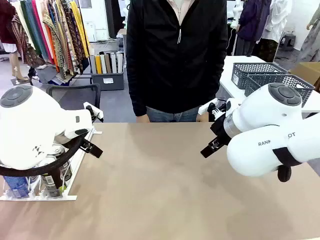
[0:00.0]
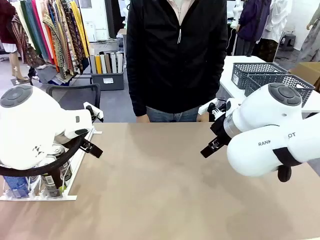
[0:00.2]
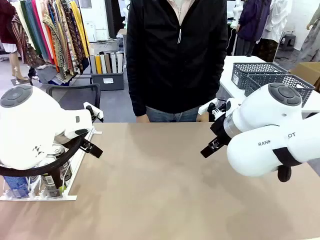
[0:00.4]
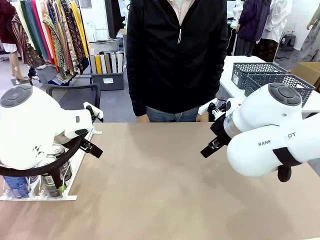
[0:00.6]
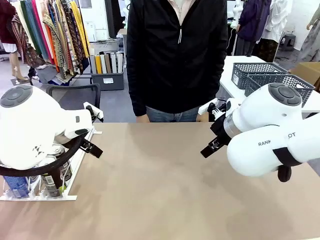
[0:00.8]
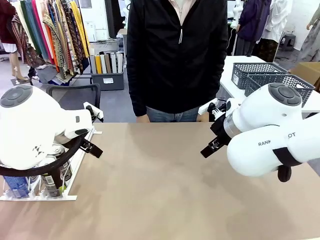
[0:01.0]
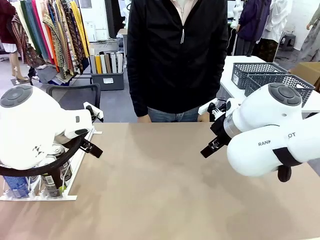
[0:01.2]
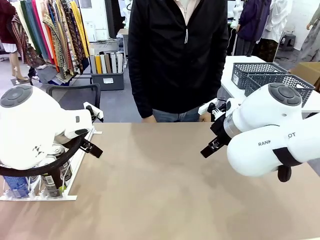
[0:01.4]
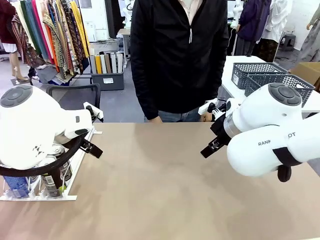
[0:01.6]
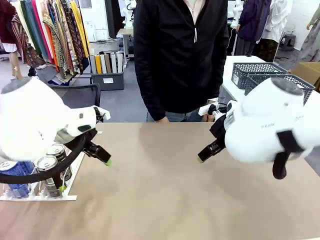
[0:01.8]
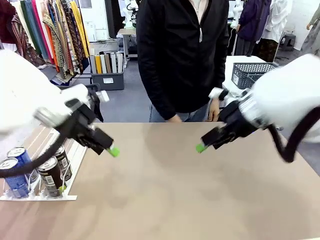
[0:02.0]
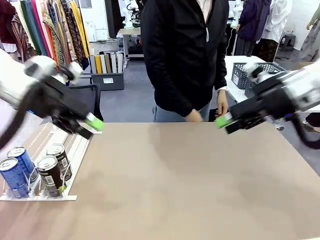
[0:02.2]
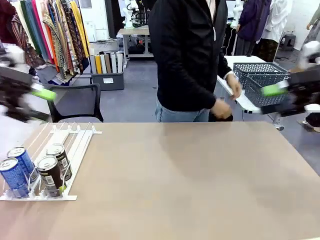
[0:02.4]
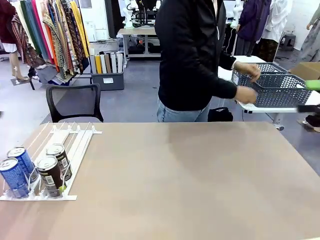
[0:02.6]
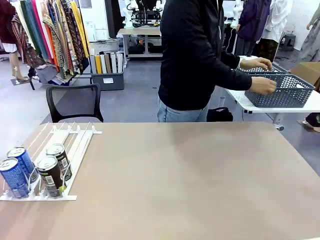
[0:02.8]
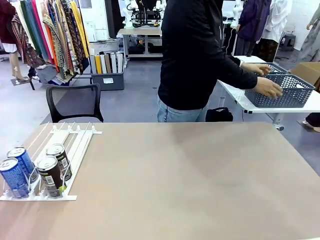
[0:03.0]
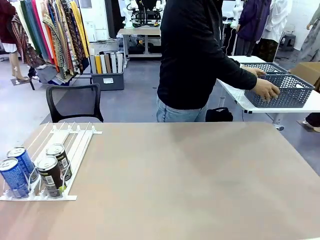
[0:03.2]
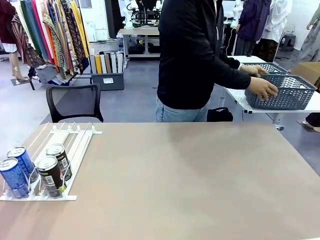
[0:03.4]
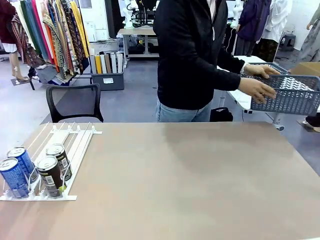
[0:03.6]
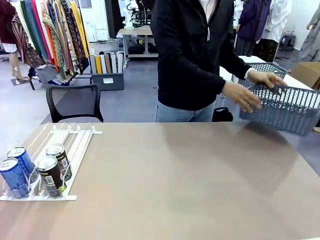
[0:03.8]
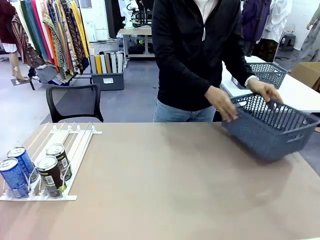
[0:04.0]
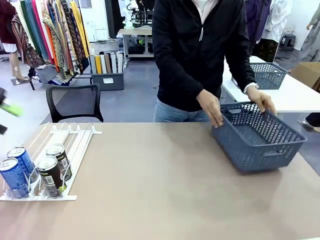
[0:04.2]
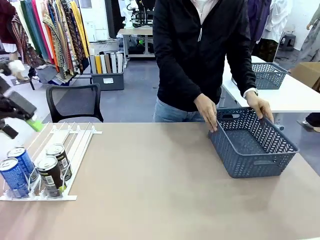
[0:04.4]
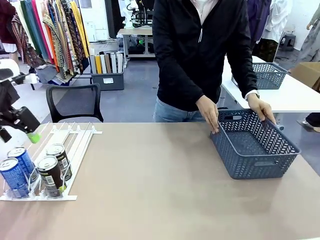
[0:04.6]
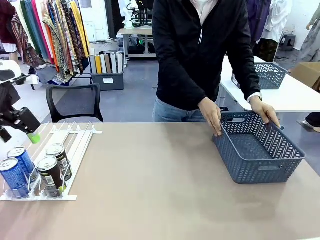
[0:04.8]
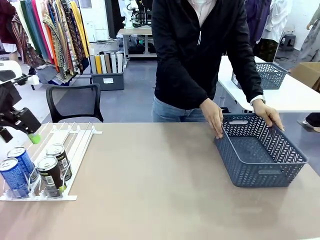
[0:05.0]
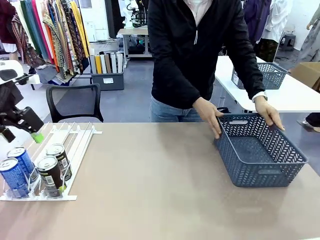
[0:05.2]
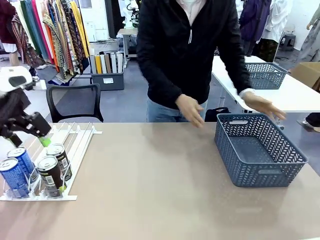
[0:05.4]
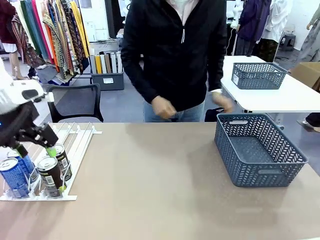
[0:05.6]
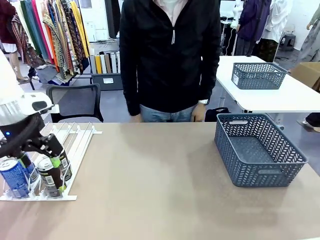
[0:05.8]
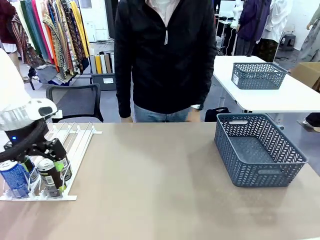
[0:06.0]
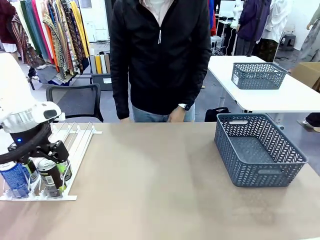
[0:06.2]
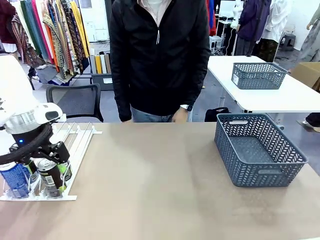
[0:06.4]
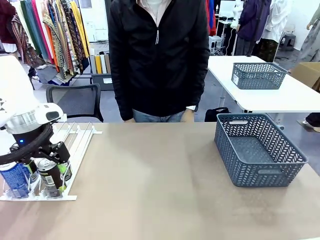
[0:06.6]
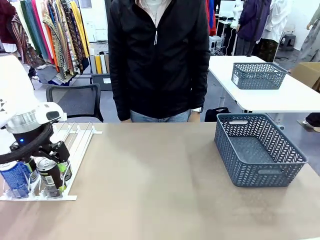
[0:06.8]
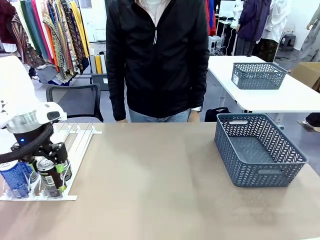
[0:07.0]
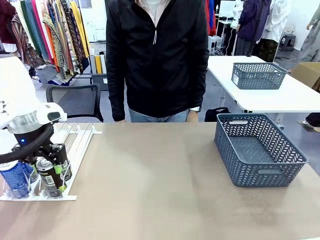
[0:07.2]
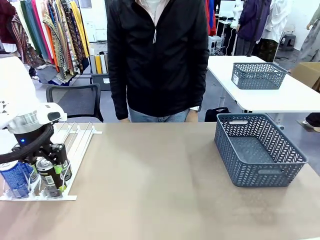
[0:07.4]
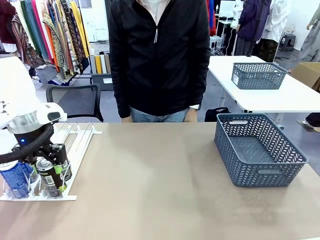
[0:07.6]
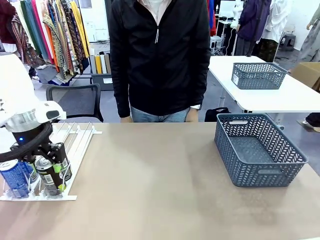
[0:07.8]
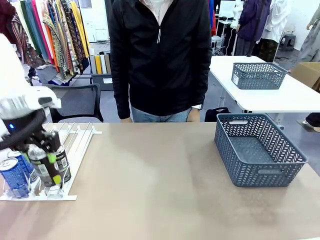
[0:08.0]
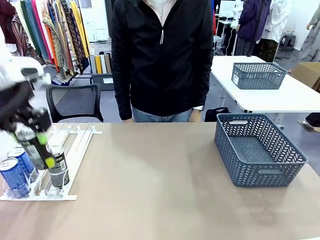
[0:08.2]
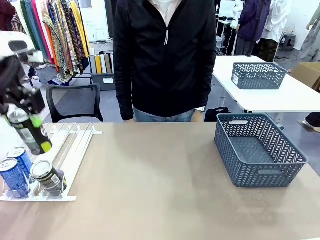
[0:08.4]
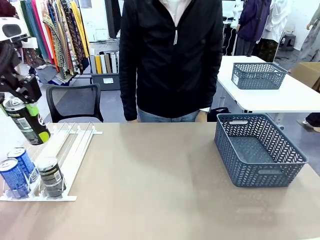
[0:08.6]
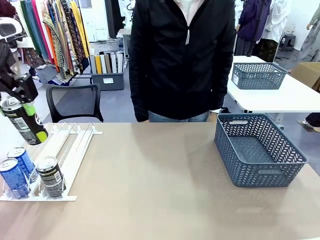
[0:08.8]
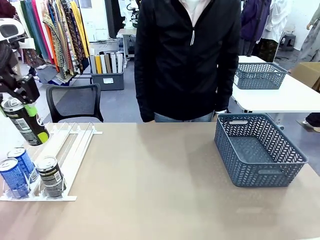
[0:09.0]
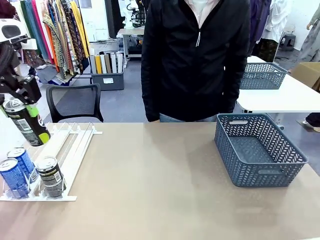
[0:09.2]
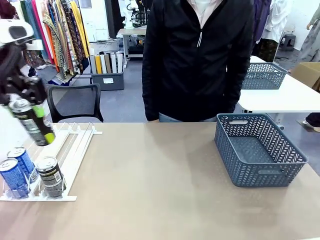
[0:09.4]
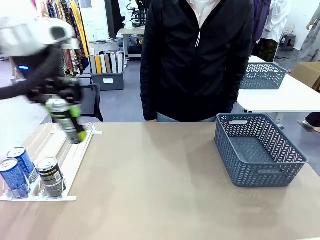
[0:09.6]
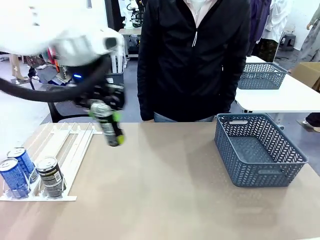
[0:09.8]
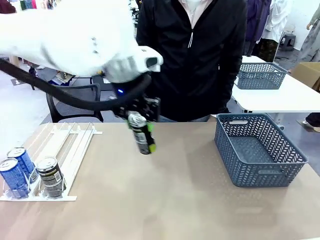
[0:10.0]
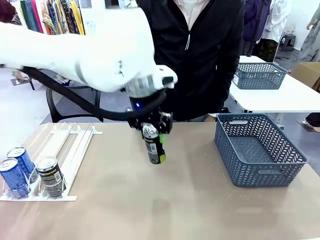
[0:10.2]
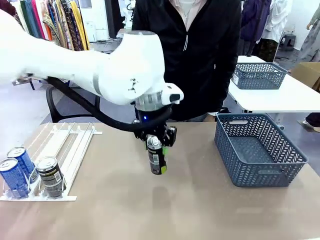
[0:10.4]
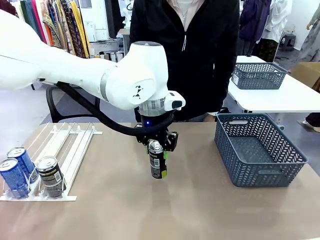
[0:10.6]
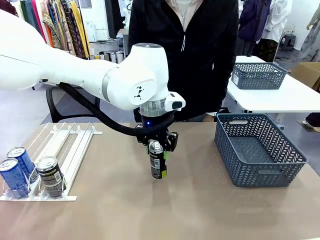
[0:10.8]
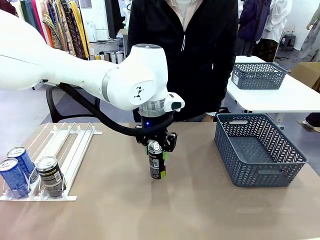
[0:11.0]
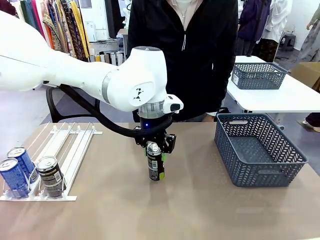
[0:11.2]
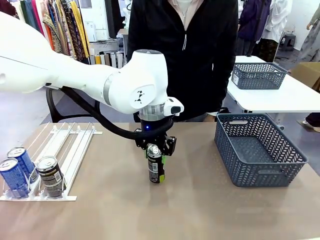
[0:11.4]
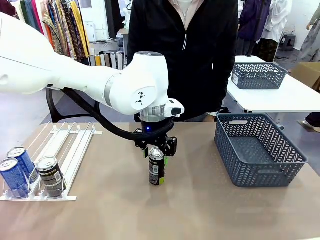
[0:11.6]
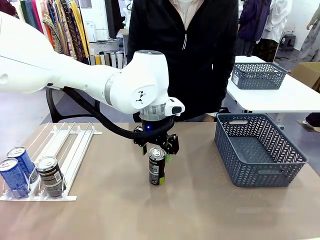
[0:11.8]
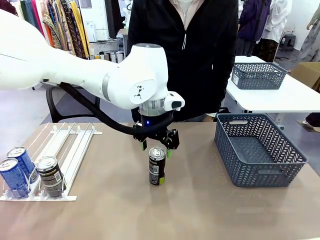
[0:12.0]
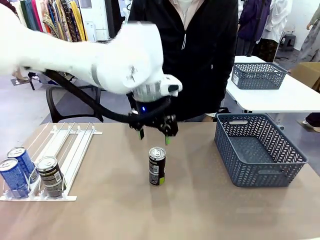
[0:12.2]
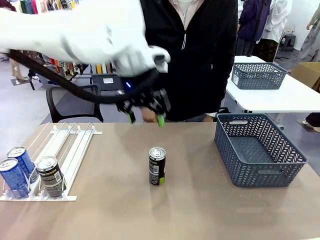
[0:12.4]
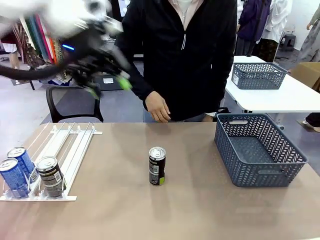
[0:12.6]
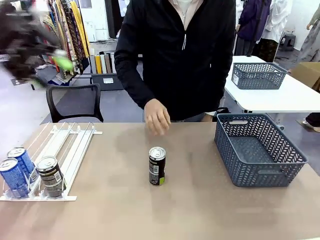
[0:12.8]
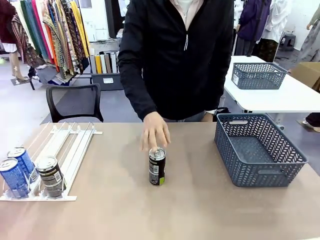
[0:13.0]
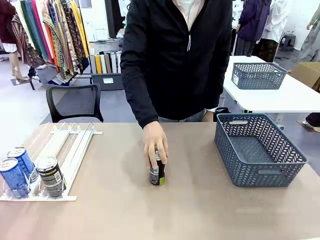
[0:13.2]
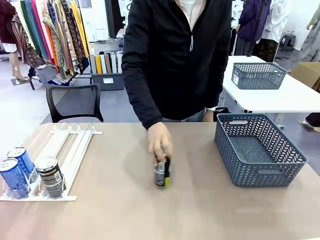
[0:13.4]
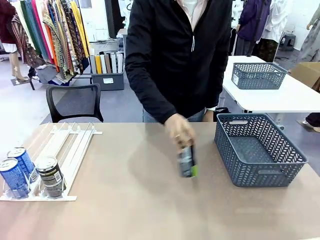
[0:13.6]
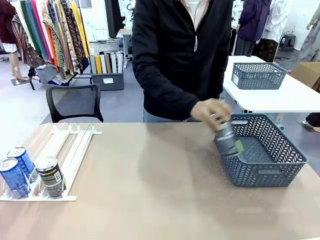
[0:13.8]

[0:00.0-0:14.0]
Task: Retrieve and store the cans from the dispenser.
Robot: Pick up one can from the Automatic Can Dispenser and place it in the middle of the table.
Person: Pick up the basket and place it on the left side of the robot table.

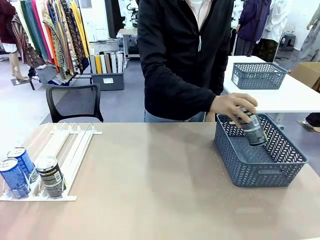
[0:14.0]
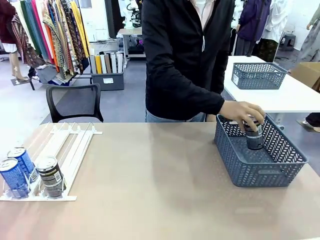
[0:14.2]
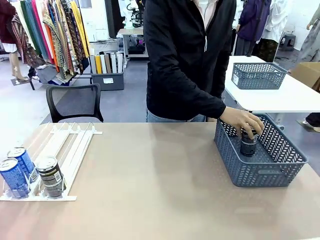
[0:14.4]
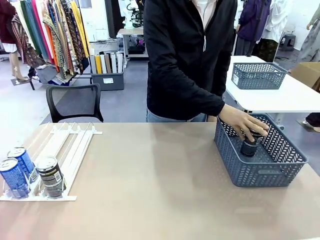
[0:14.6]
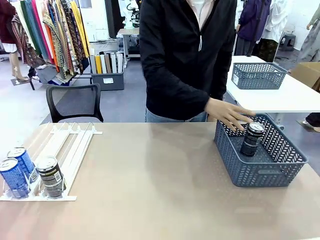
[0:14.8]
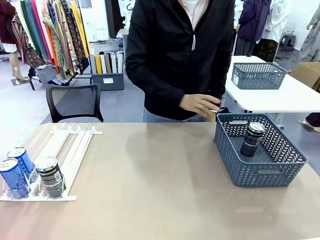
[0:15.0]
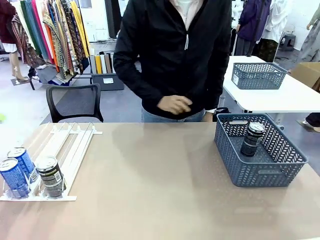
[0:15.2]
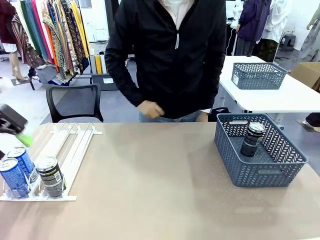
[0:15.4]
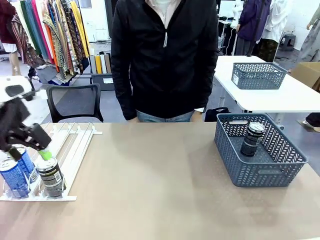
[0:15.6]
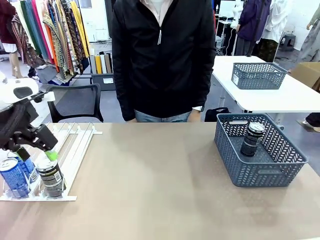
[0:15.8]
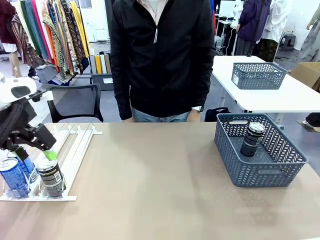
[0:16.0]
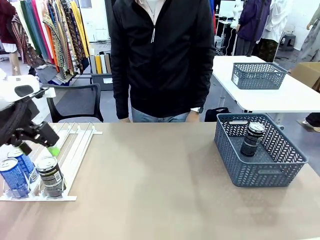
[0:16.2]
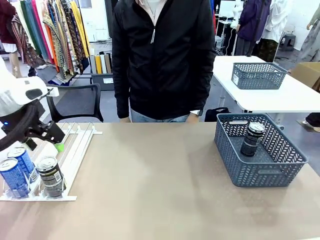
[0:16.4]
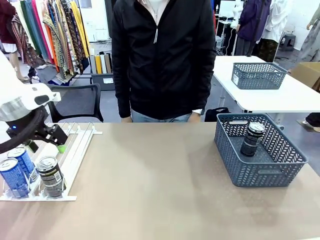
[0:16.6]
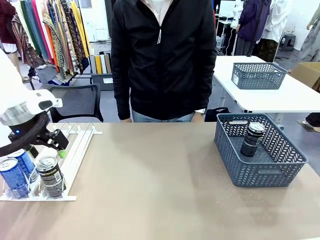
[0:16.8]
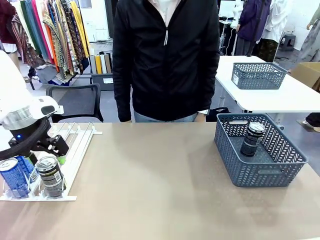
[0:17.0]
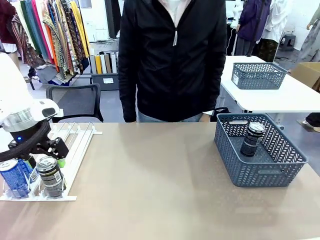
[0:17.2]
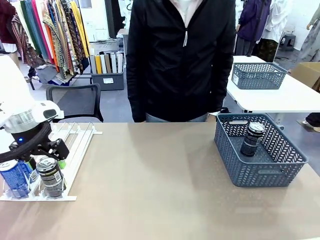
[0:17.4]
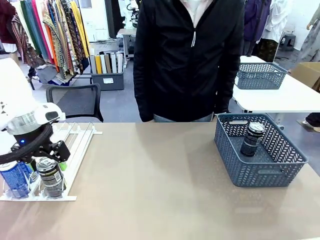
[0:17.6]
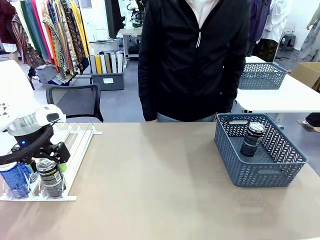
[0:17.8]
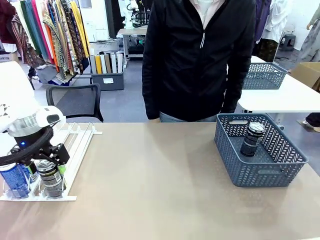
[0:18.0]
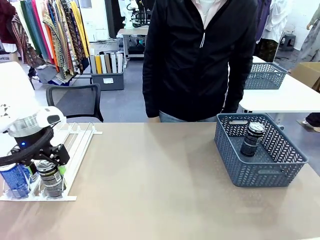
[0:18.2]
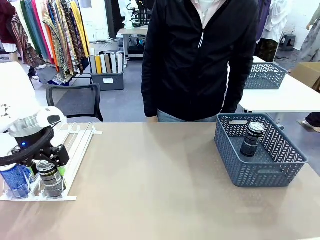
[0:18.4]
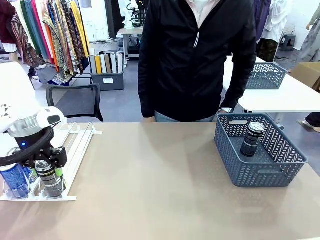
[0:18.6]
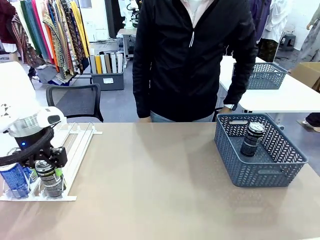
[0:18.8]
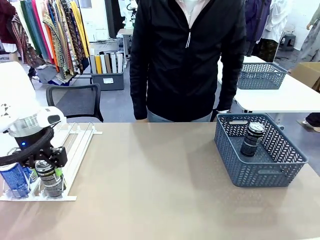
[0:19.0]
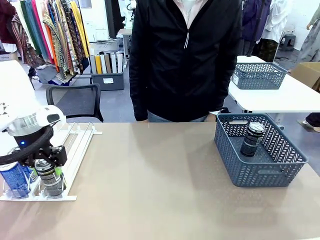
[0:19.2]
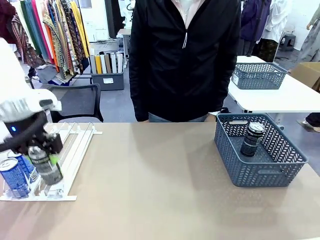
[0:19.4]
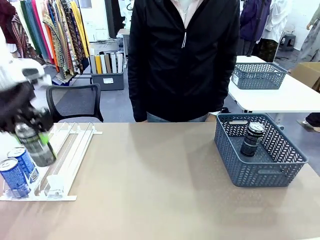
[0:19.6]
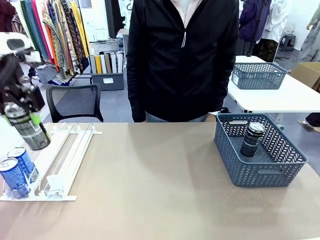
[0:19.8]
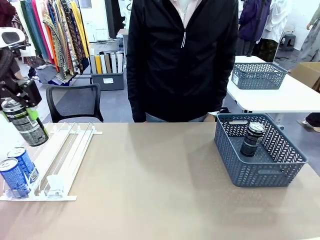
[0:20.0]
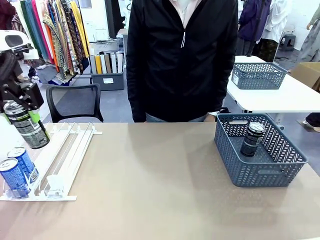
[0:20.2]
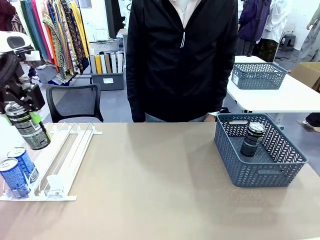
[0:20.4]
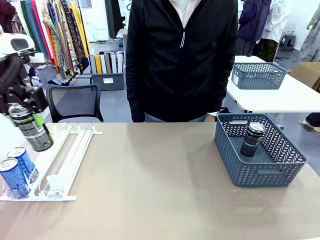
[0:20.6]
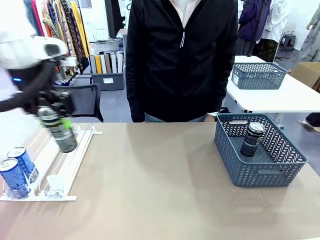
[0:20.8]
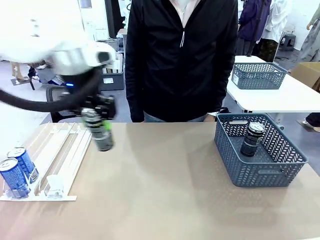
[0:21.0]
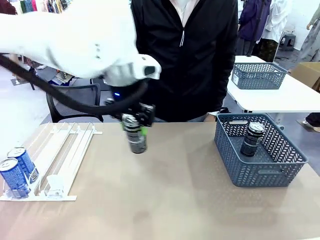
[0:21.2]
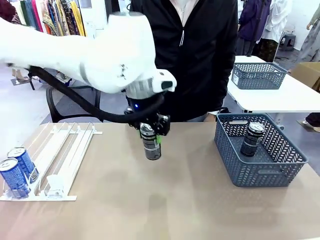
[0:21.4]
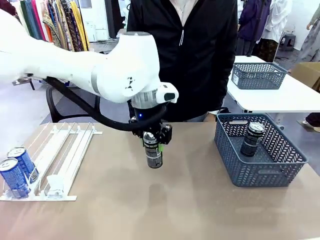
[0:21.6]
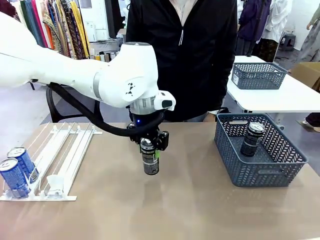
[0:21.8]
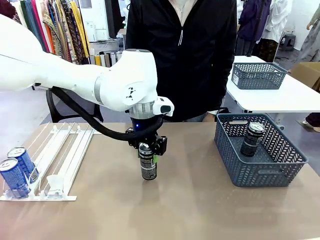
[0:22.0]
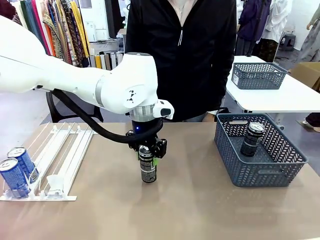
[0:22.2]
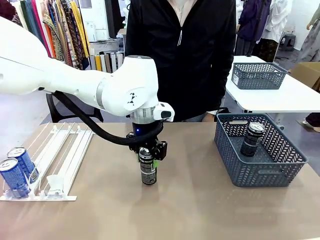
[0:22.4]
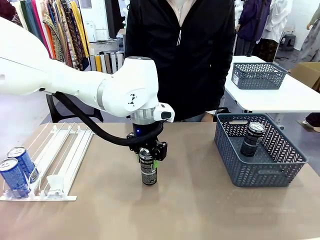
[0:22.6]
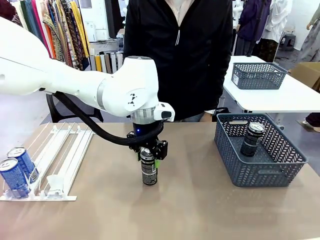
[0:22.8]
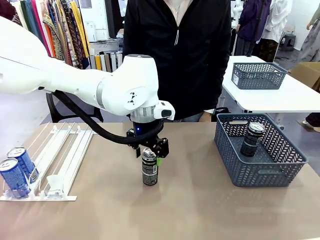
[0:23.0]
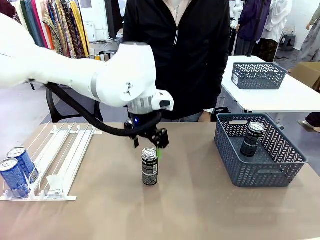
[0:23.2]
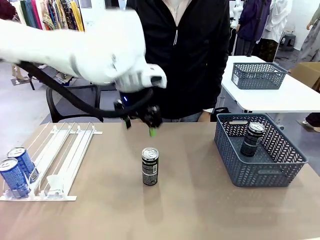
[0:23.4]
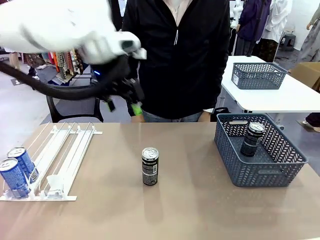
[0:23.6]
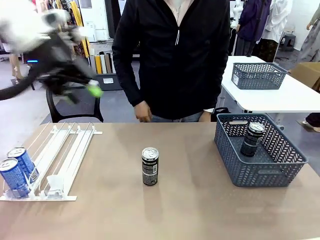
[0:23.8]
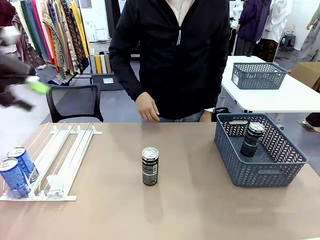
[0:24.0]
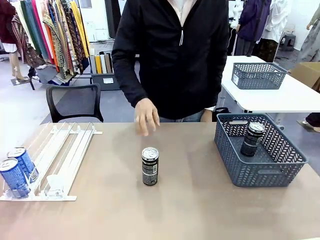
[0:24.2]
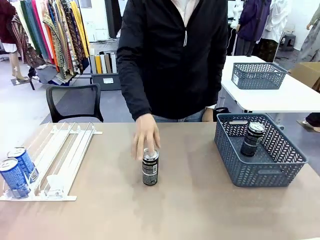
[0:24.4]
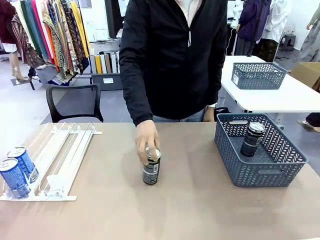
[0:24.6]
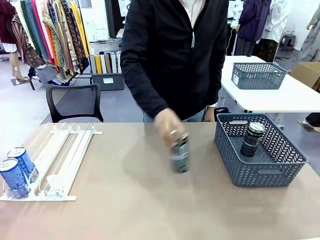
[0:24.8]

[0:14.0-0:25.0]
Robot: Pick up the last remaining can from one row of the Automatic Can Dispenser and place it in the middle of the table.
Person: Pick up one Pepsi can from the middle of the robot table and place it in the basket.
